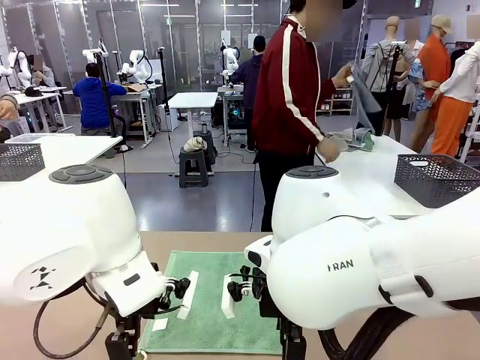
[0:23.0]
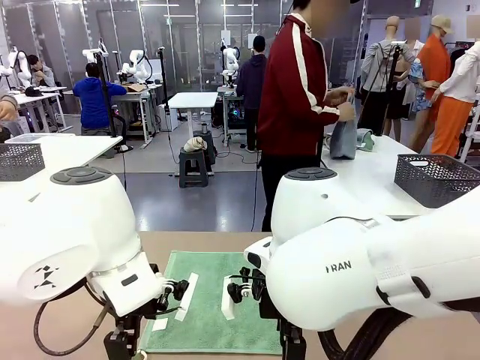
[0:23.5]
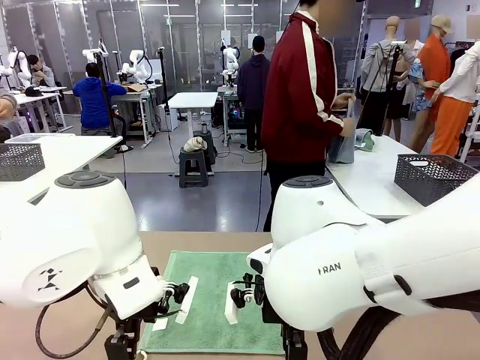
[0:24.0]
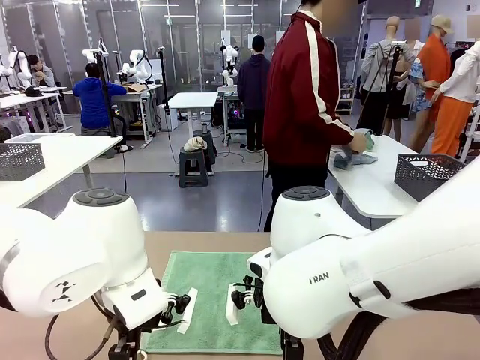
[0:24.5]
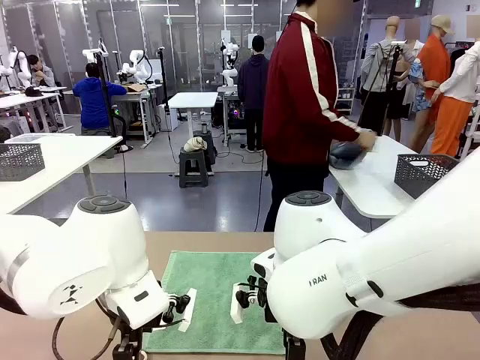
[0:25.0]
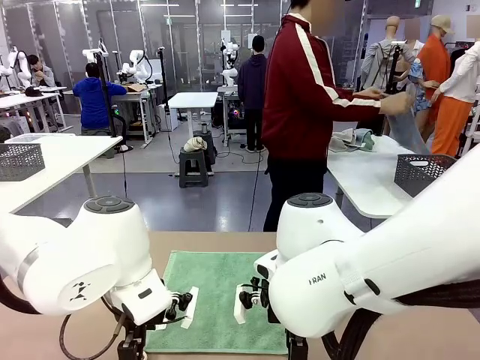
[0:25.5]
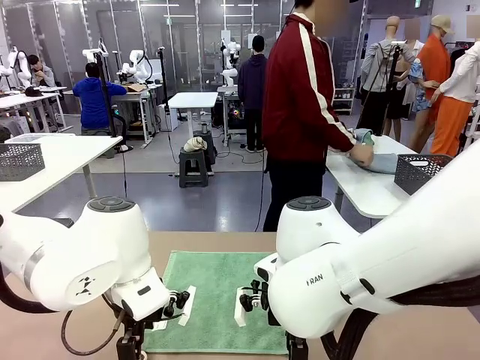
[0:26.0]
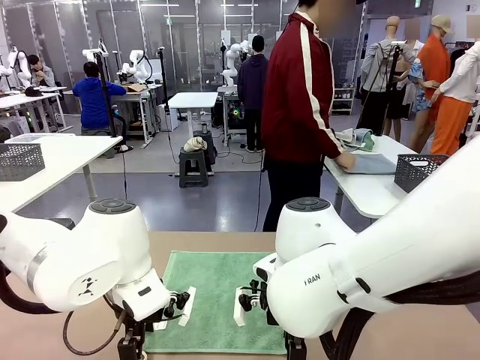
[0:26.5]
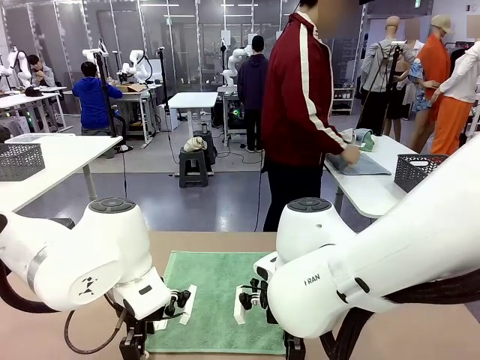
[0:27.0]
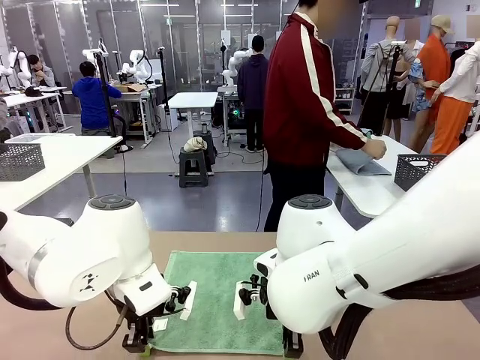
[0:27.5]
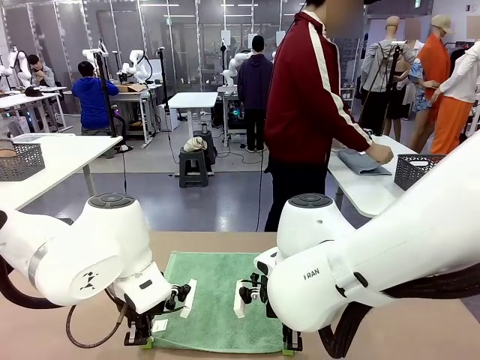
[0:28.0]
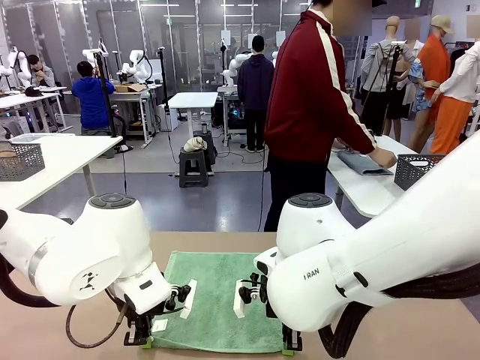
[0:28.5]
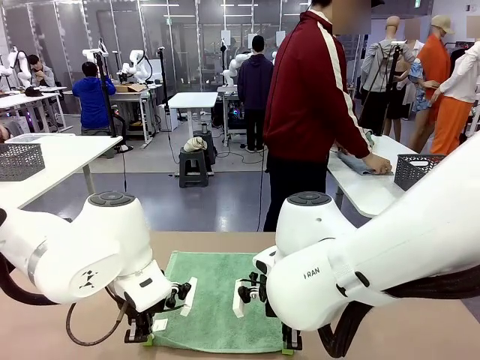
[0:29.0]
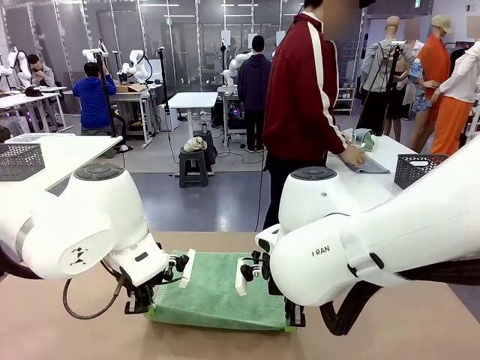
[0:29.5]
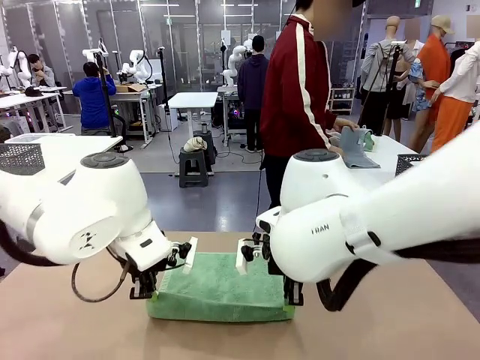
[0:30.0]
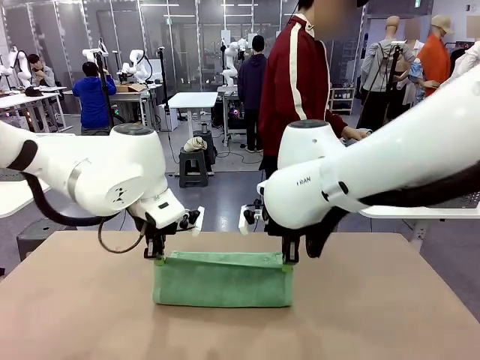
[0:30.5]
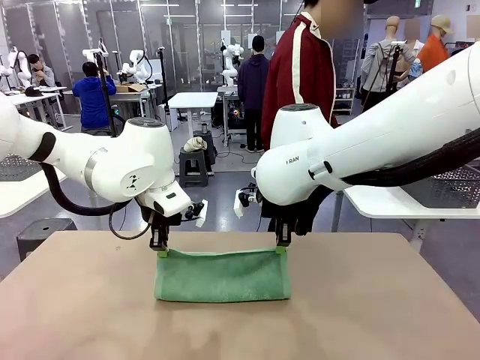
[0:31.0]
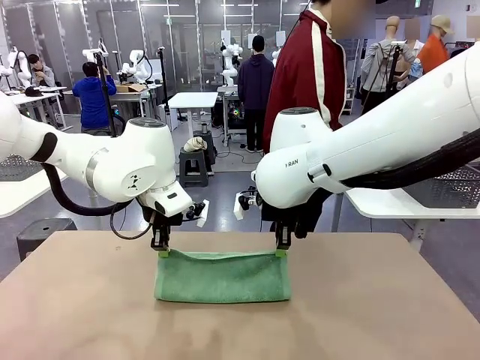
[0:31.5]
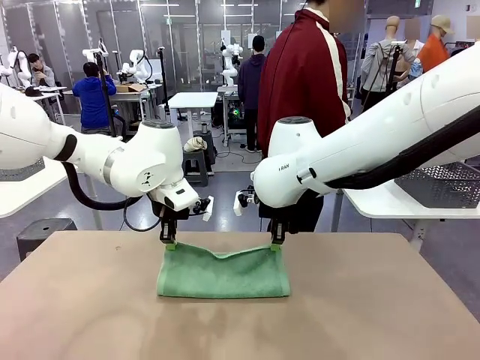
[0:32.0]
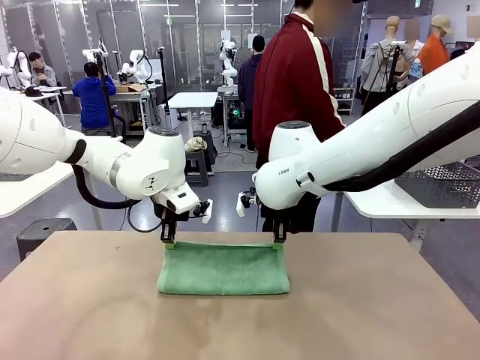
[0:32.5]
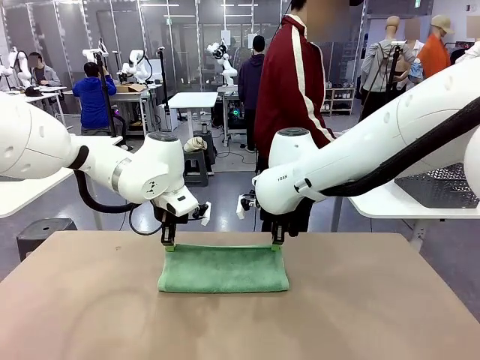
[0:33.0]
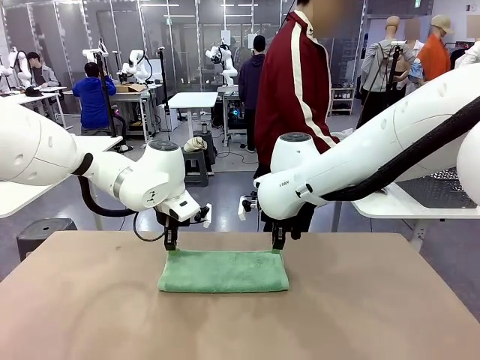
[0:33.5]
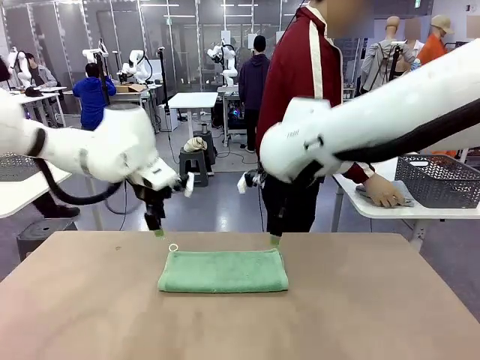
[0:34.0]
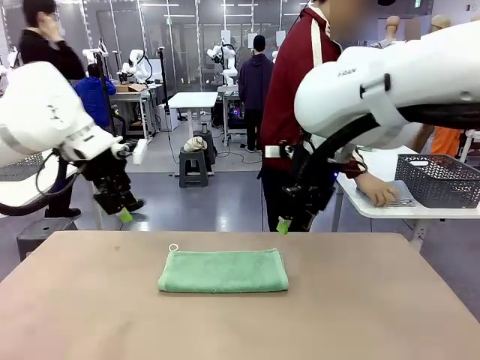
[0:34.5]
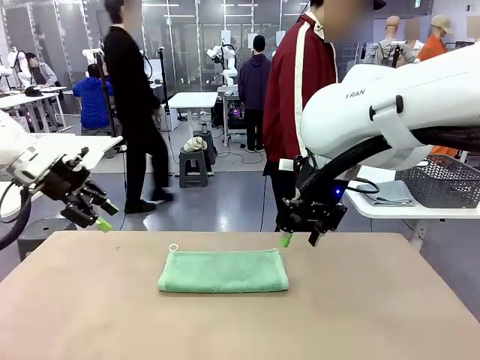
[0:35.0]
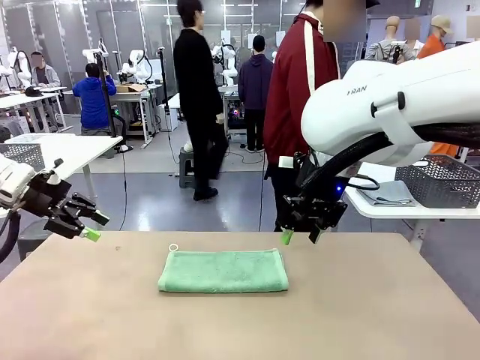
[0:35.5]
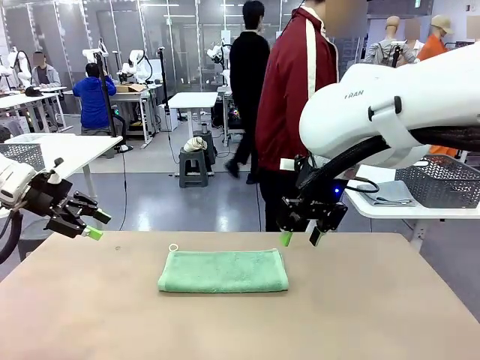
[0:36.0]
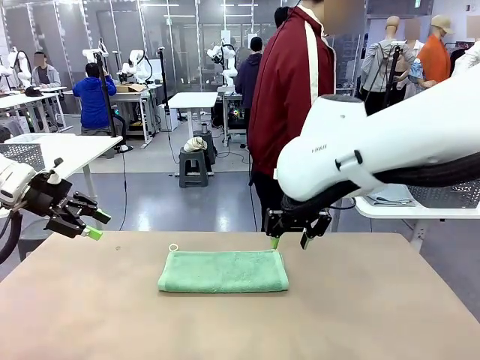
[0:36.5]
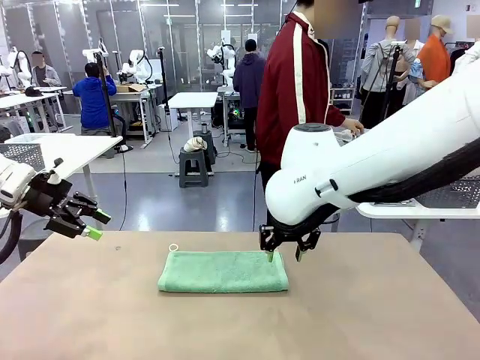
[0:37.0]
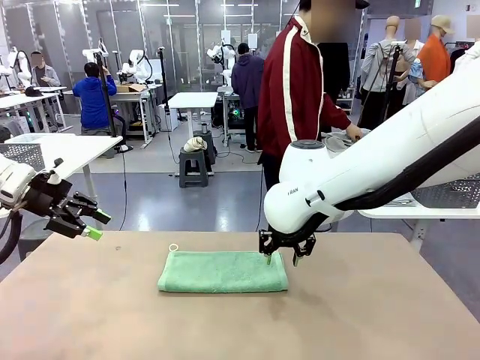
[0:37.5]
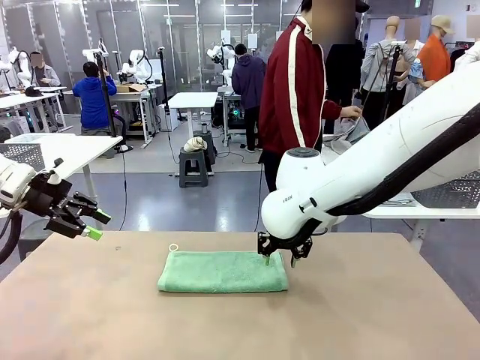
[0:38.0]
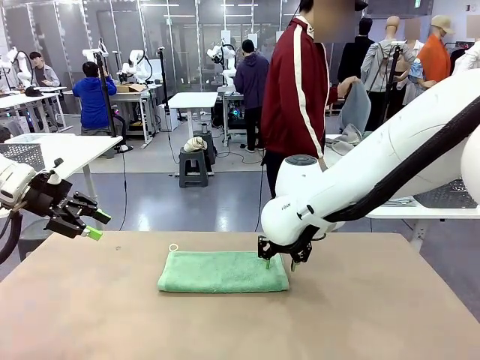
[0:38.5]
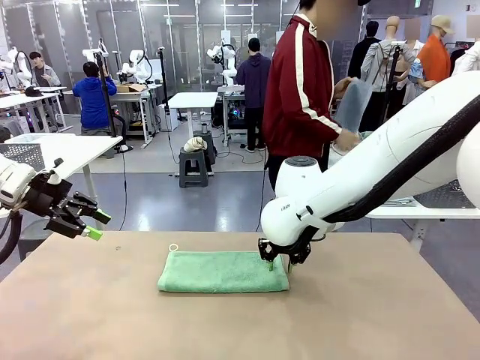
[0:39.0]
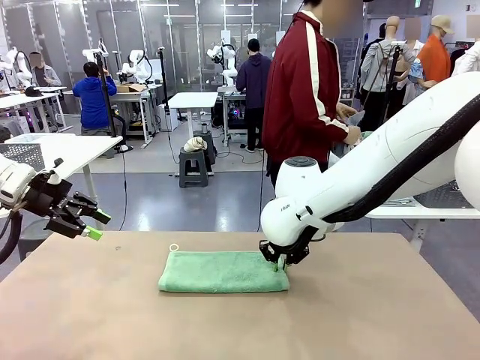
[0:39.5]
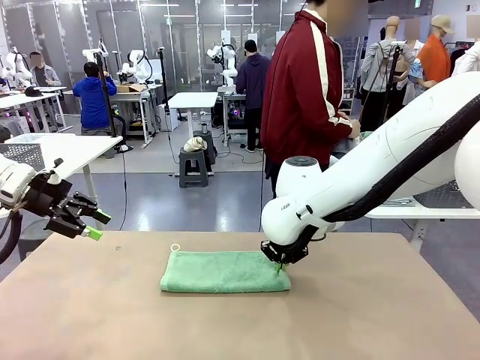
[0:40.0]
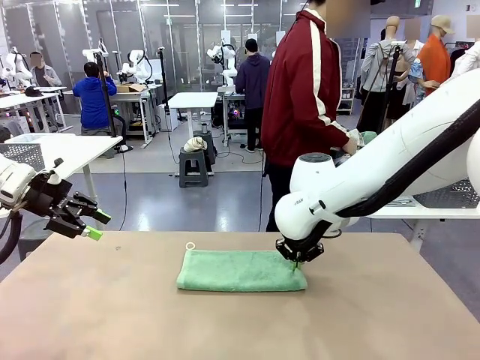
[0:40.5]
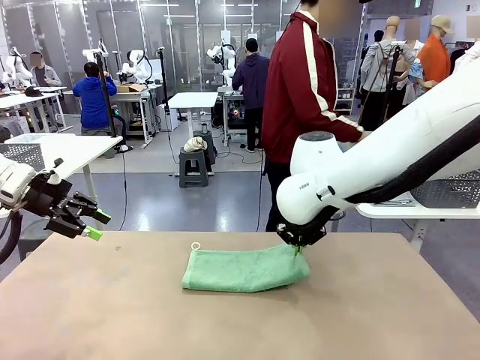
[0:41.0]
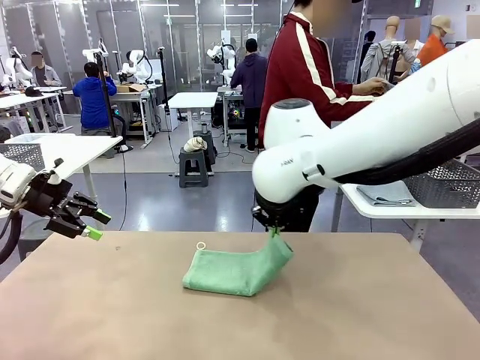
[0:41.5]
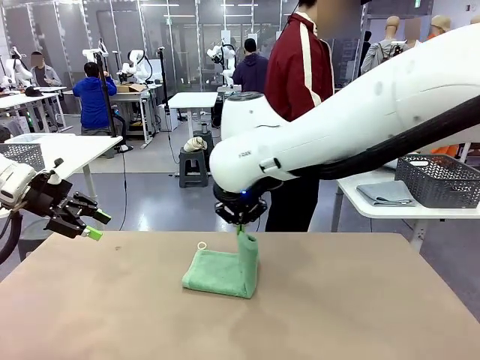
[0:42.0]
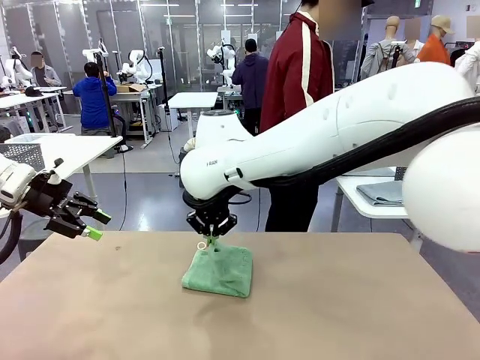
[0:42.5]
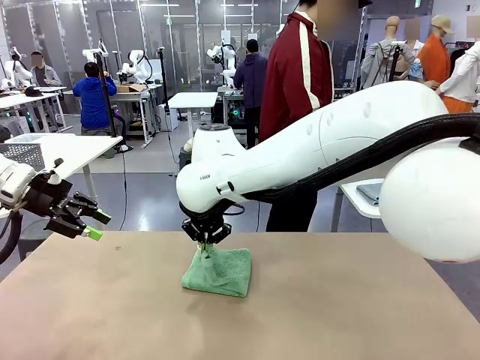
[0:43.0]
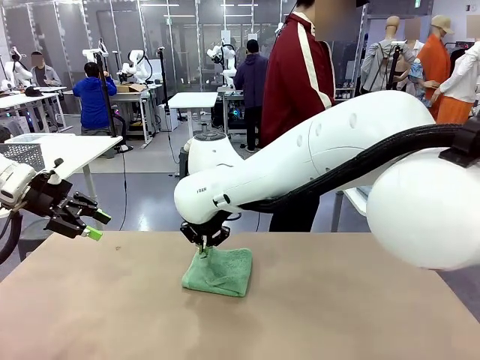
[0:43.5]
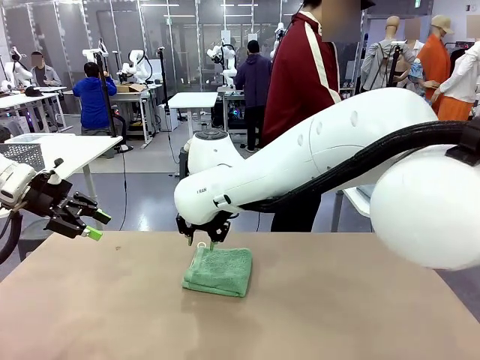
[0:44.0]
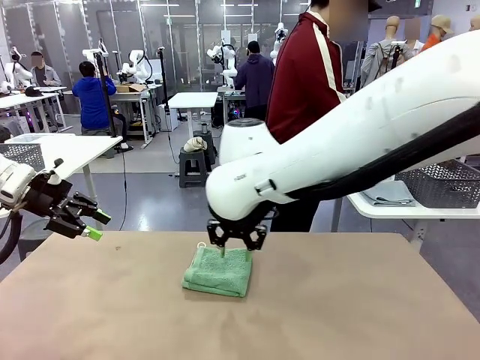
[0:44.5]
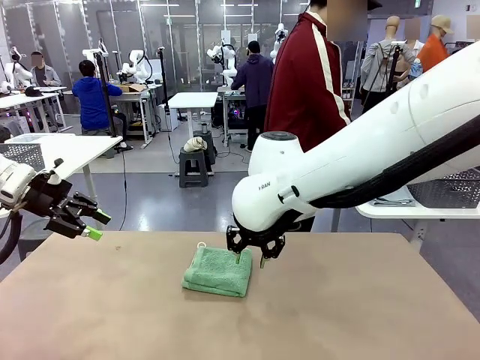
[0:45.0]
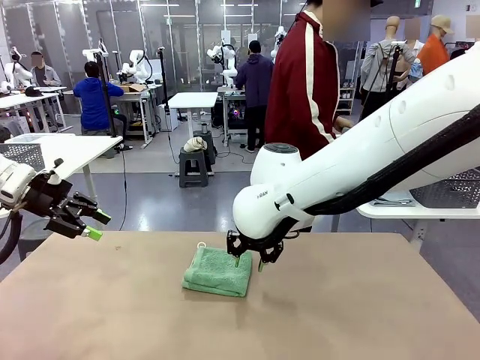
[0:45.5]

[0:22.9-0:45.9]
Task: Fold the towels and place them in the basket.
Robot: When a person lays out a Towel with hook on the table, fold it in half twice.
Person: Pick up one towel from the left side of the human table, fold it in half twice, and place it on the right side of the table. Pick up one towel from the left side of the human table, fold it in half twice, and stack it on the right side of the table.

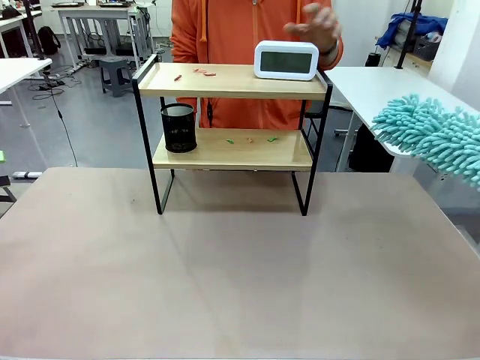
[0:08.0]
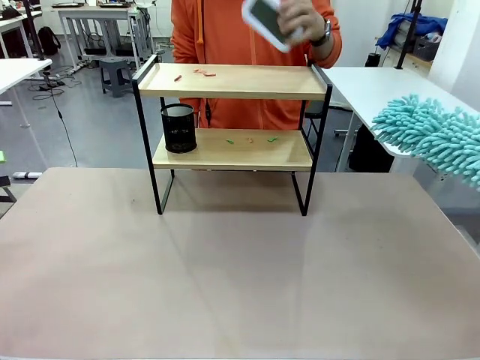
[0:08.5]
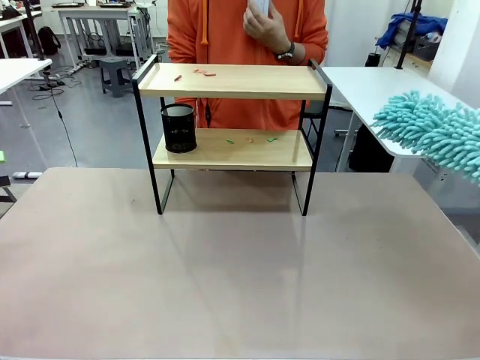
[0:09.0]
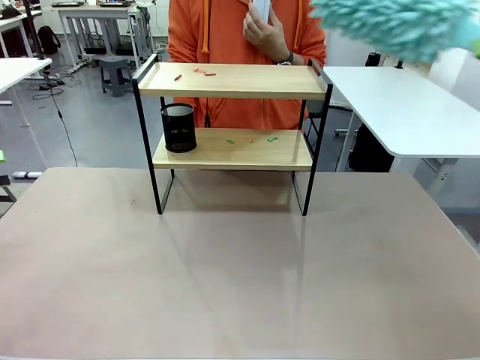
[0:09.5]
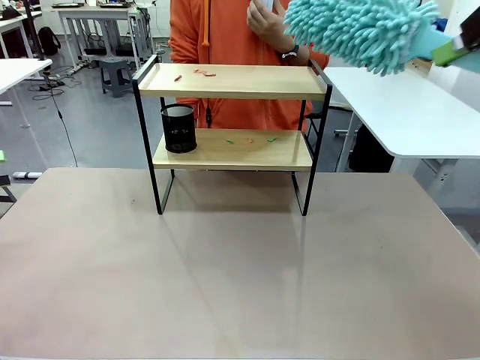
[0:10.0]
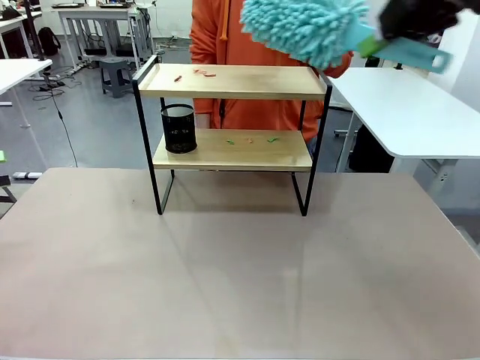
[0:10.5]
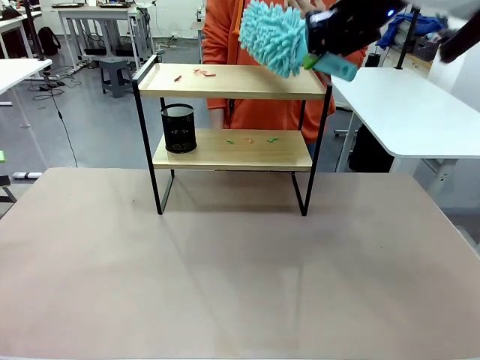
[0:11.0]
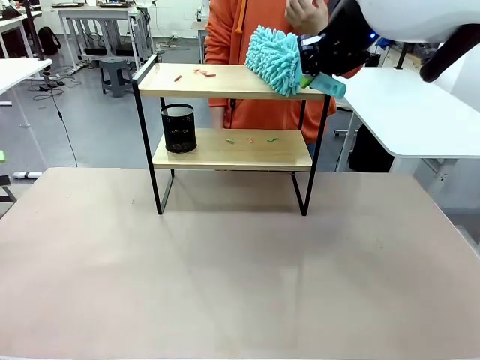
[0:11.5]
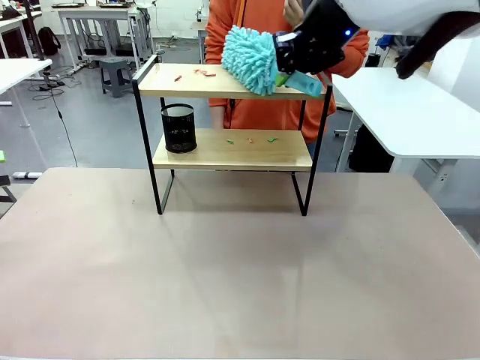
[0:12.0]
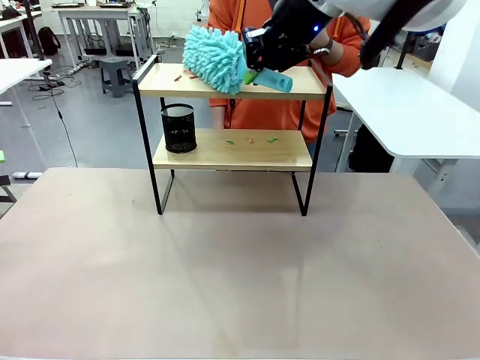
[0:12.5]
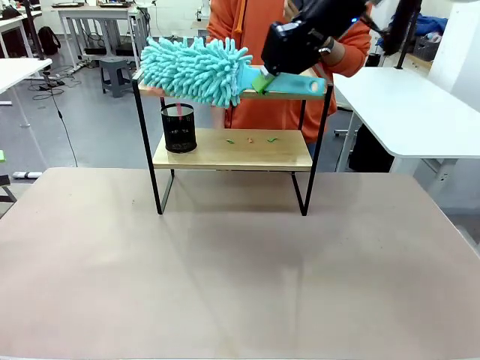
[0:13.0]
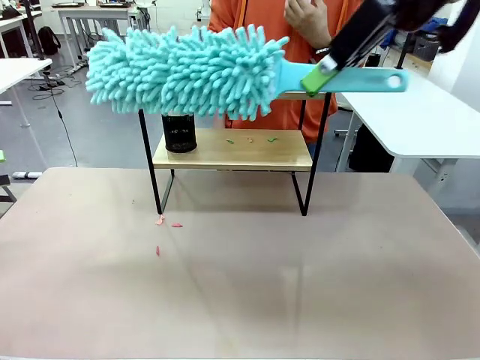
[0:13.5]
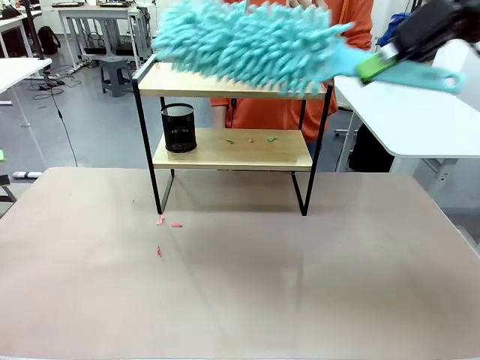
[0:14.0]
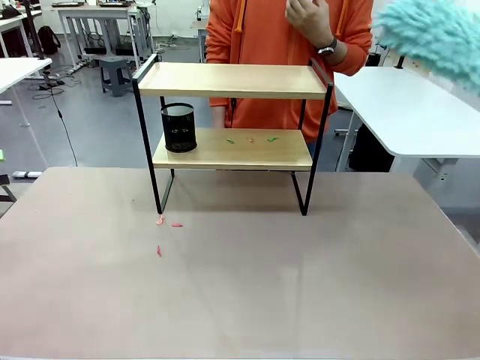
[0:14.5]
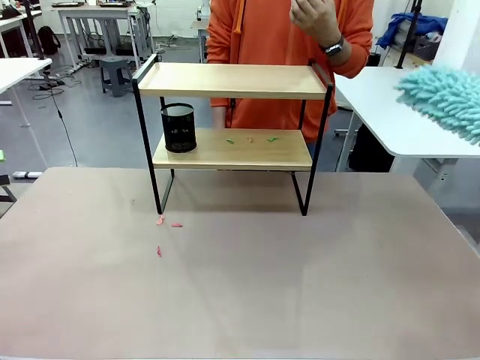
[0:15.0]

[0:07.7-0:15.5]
Task: Clean the shelf.
Robot: Clean the specific tier of the Shelf with the Duster once objects are removed.
Person: Lift the objects on a randomly selected tier of the Shelf. Once the robot finishes cleaning, lift the objects on the remaining tiers of the Shelf.
